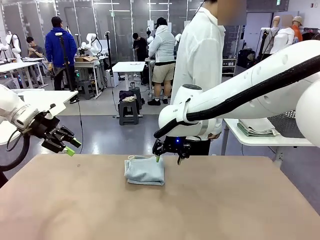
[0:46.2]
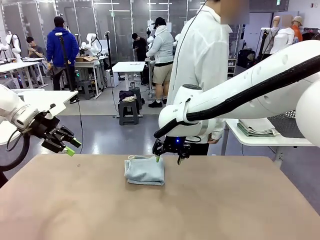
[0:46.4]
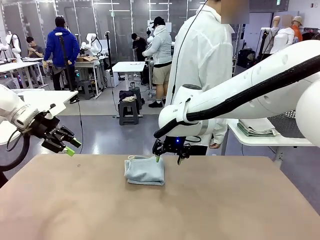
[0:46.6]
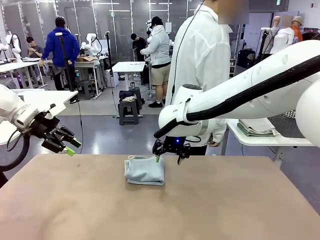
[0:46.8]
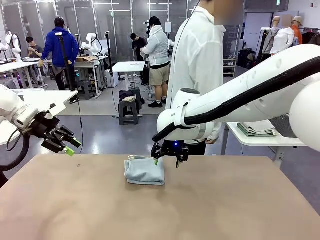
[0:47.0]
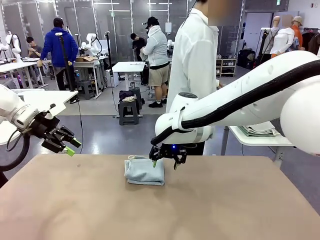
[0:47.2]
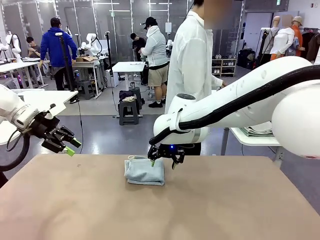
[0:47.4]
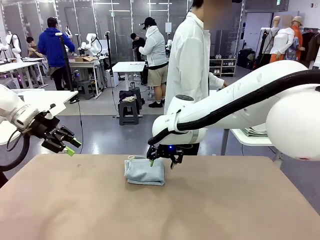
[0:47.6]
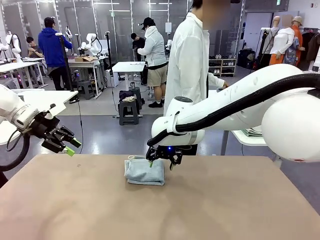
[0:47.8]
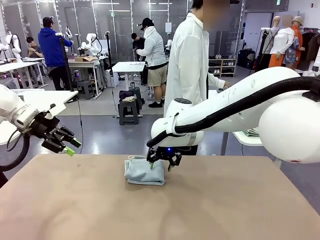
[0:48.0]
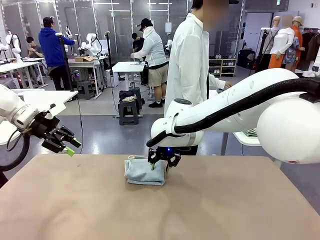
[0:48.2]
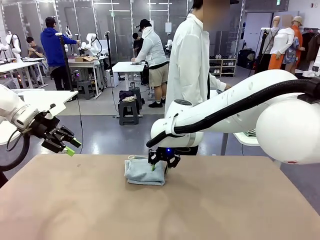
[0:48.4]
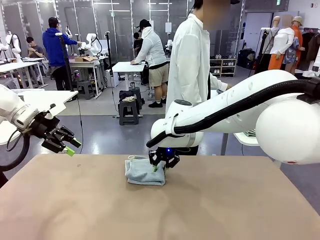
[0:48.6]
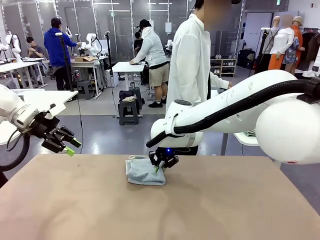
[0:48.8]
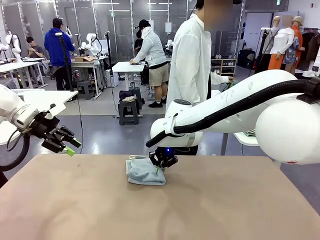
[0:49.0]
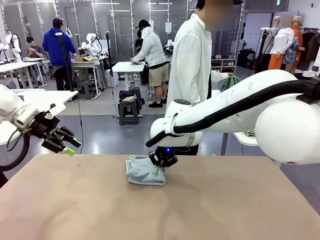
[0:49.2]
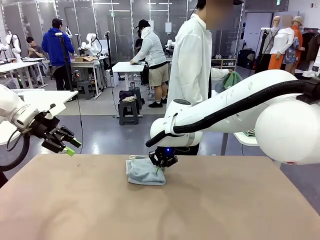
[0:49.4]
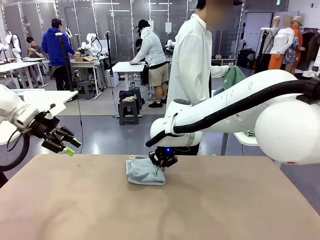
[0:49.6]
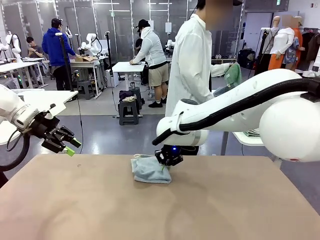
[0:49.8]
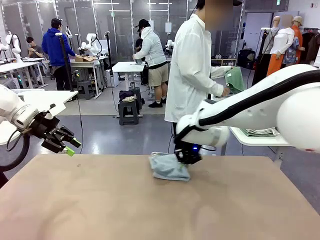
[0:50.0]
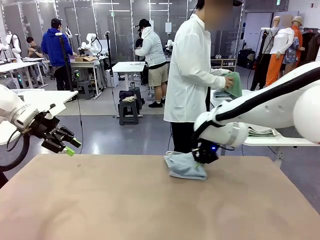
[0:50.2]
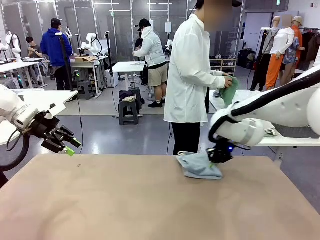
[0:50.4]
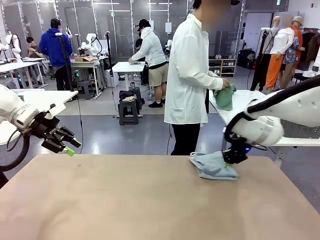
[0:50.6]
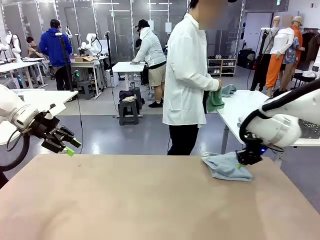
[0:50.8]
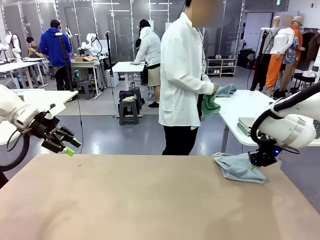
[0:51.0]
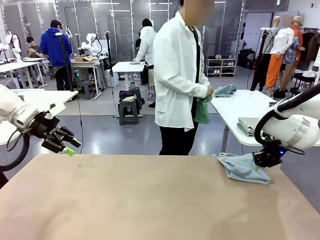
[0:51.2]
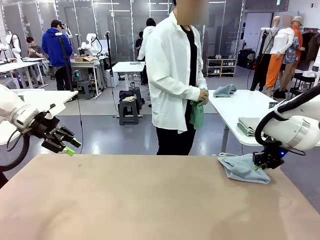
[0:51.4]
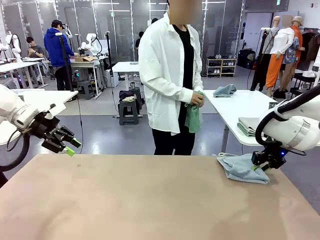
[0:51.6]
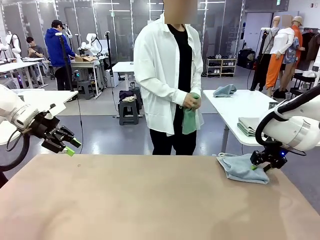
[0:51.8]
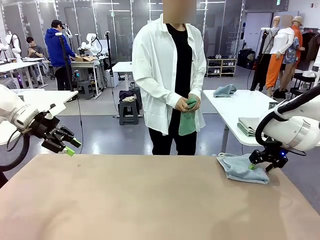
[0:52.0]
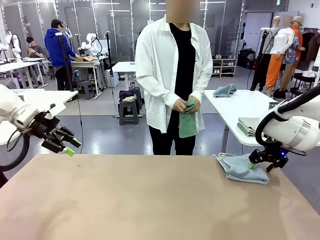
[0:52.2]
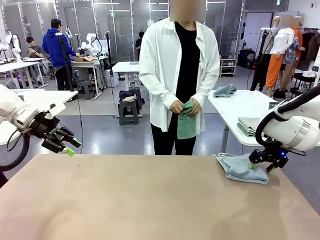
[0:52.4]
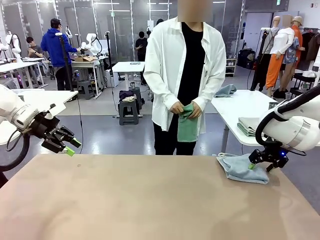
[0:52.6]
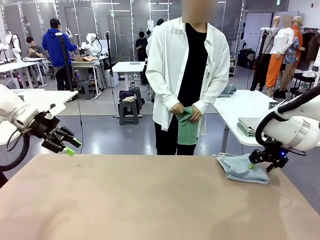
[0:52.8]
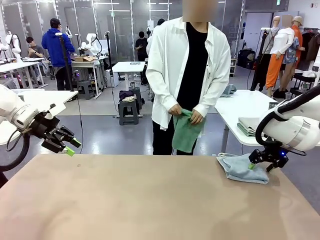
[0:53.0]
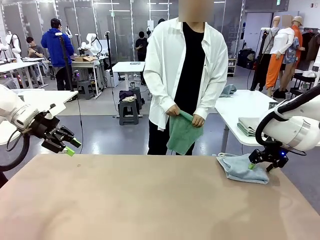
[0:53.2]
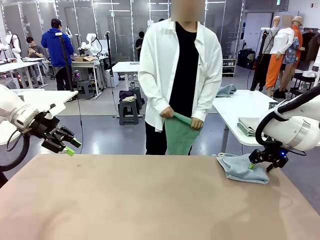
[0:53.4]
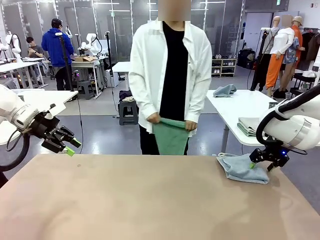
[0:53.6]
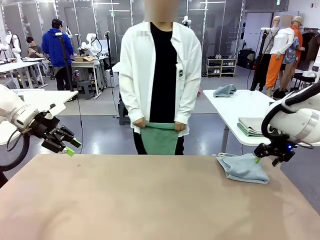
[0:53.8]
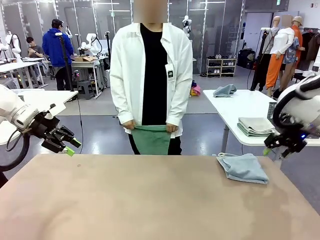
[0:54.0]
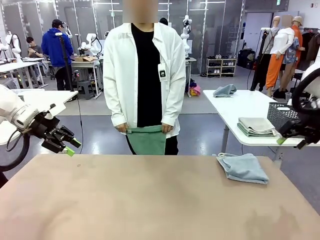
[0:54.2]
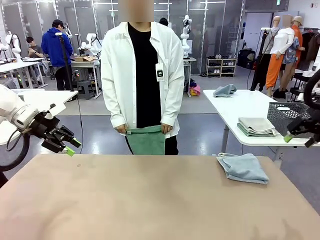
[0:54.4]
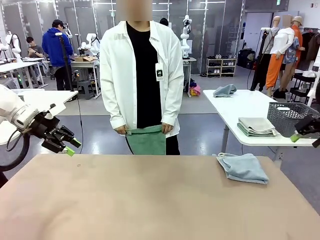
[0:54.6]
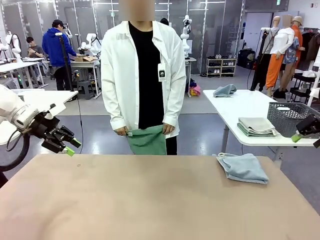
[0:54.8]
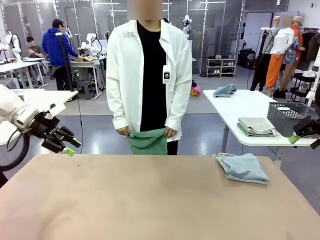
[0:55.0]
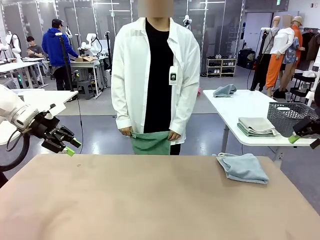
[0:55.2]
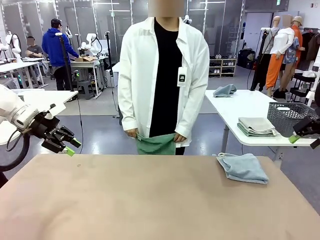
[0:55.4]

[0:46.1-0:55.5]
Task: Fold the towels and place them in the basket.
Robot: Place the folded Towel with hook on the right side of the table.
Person: Pick up one towel from the left side of the human table and spread it out at the center of the robot table.

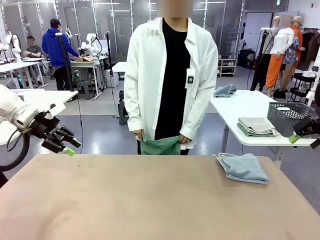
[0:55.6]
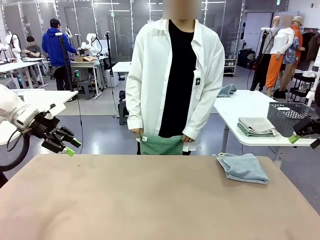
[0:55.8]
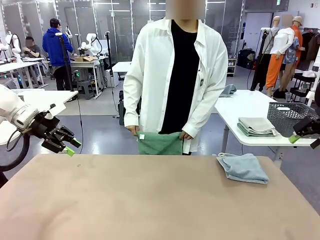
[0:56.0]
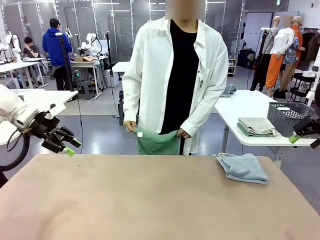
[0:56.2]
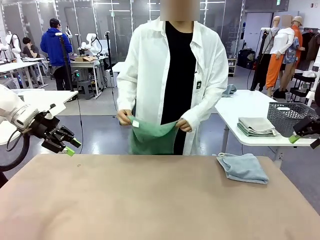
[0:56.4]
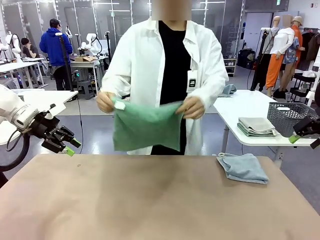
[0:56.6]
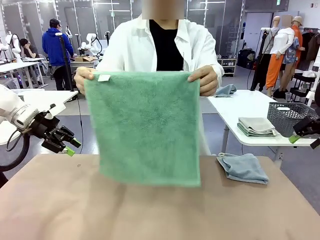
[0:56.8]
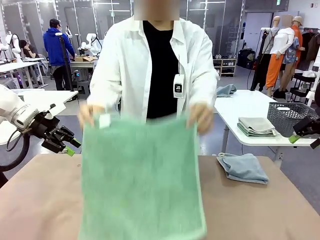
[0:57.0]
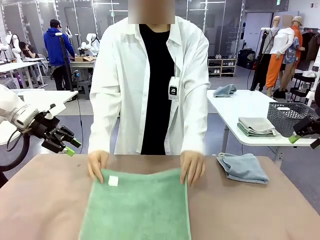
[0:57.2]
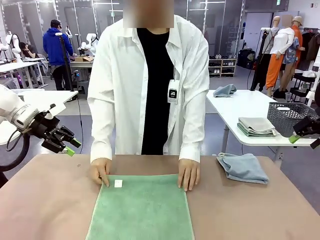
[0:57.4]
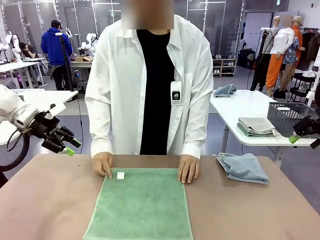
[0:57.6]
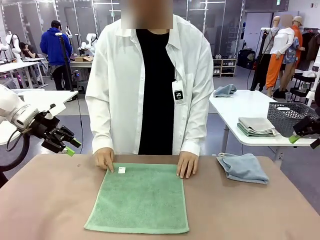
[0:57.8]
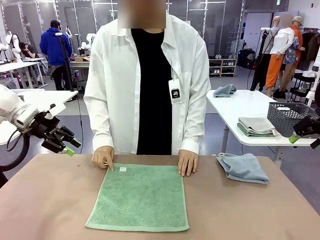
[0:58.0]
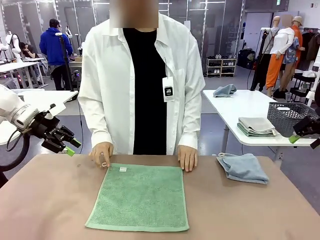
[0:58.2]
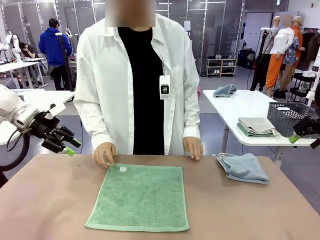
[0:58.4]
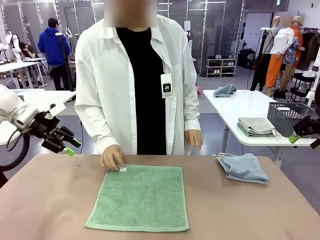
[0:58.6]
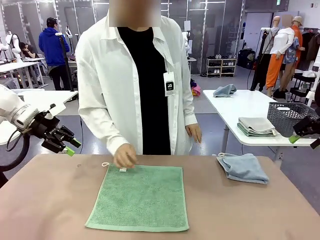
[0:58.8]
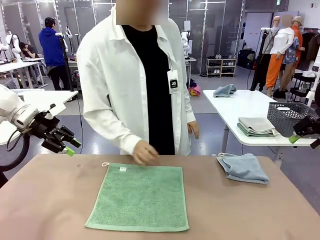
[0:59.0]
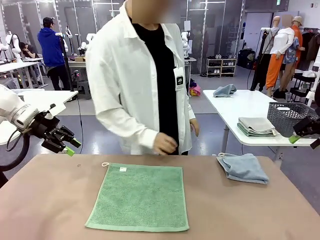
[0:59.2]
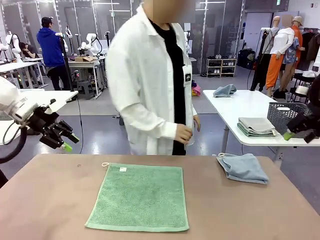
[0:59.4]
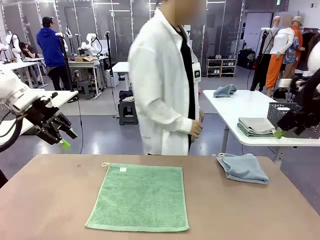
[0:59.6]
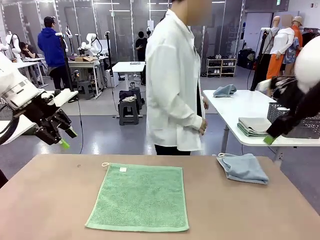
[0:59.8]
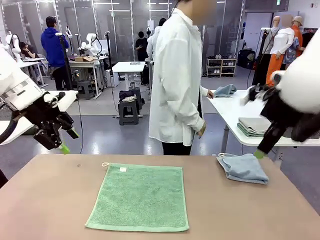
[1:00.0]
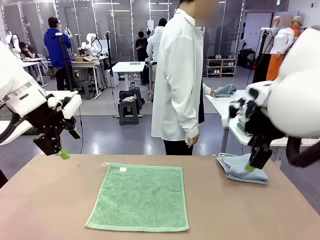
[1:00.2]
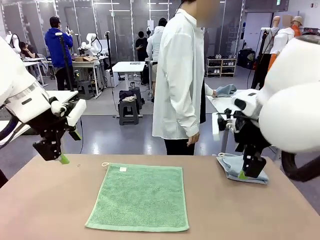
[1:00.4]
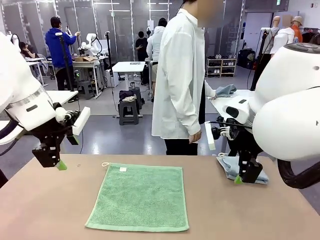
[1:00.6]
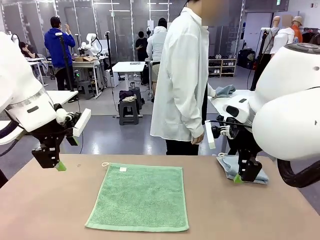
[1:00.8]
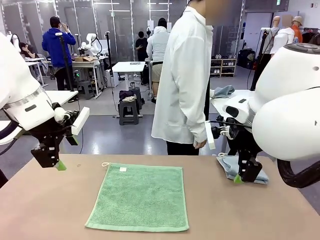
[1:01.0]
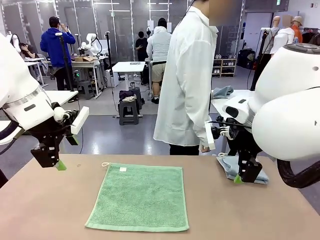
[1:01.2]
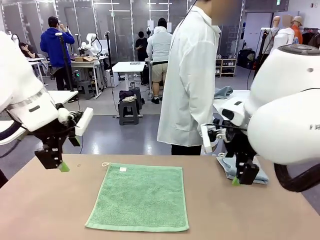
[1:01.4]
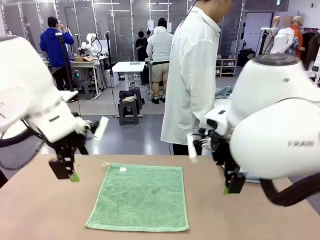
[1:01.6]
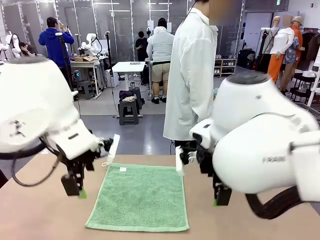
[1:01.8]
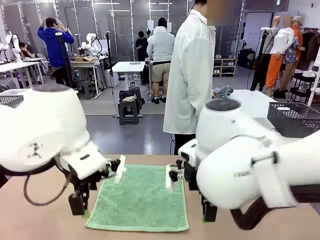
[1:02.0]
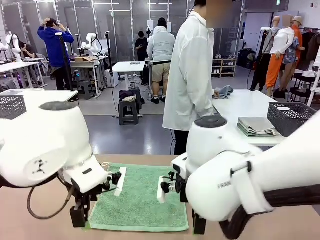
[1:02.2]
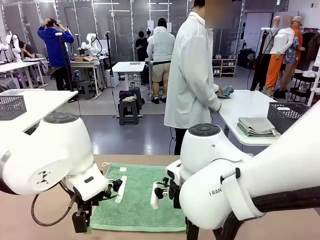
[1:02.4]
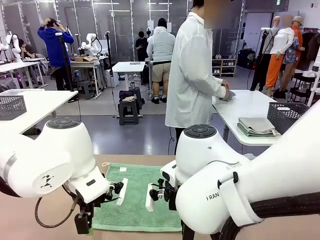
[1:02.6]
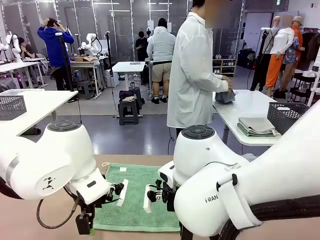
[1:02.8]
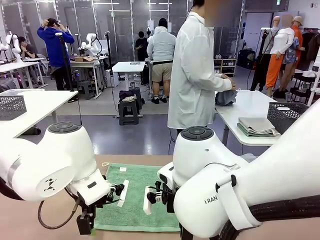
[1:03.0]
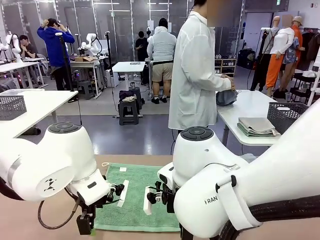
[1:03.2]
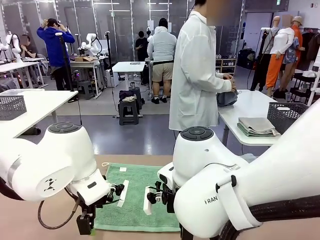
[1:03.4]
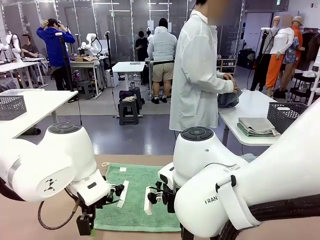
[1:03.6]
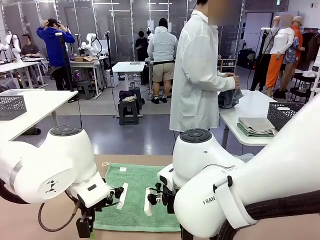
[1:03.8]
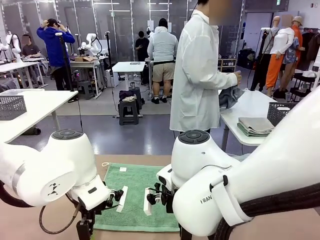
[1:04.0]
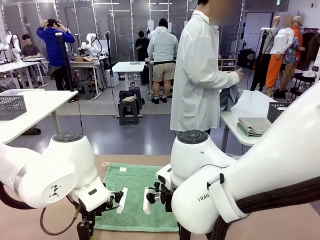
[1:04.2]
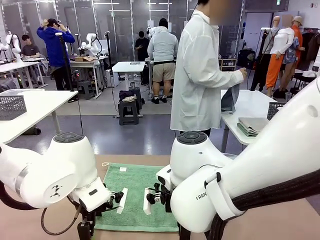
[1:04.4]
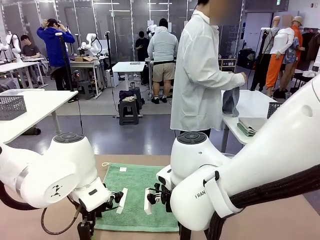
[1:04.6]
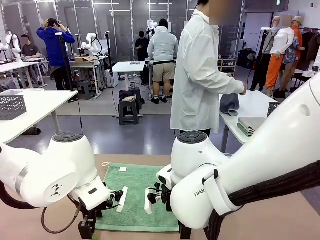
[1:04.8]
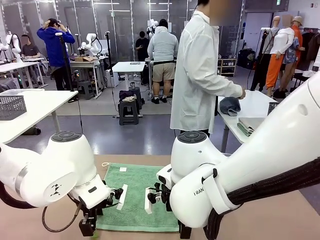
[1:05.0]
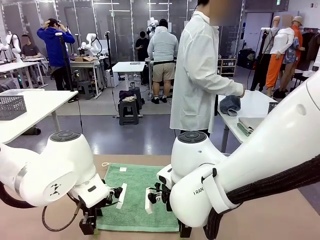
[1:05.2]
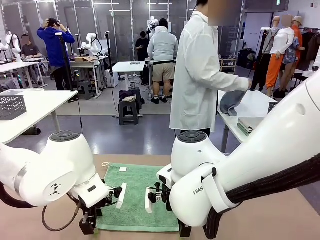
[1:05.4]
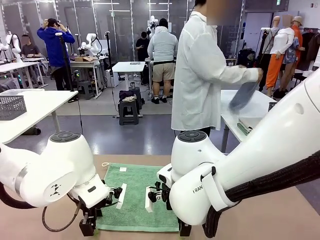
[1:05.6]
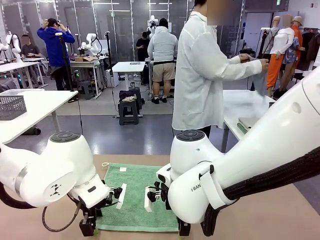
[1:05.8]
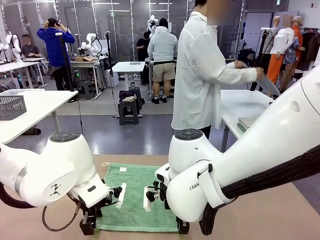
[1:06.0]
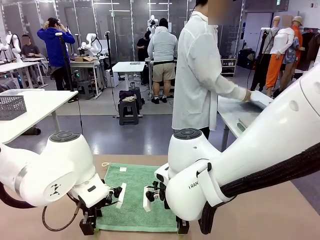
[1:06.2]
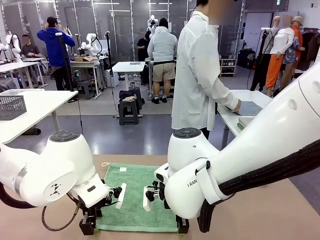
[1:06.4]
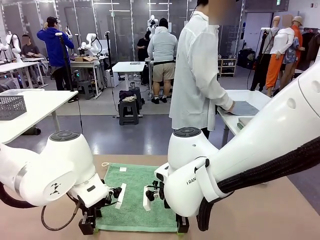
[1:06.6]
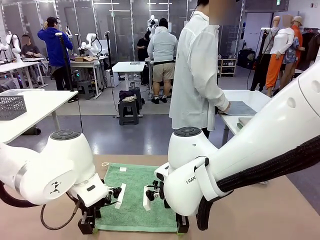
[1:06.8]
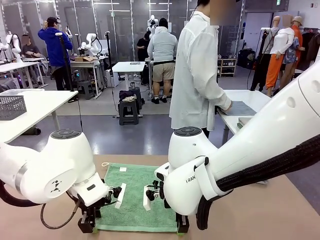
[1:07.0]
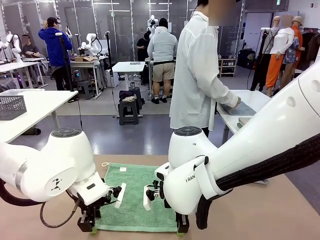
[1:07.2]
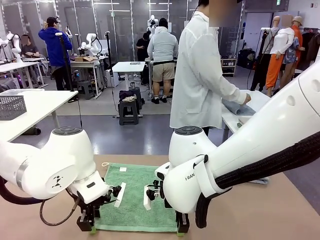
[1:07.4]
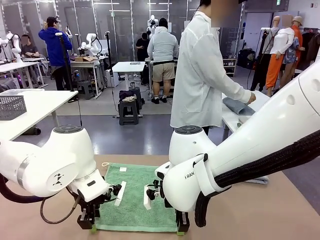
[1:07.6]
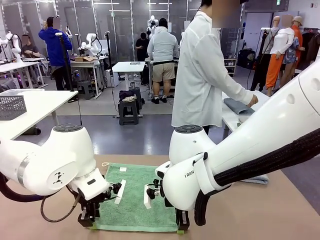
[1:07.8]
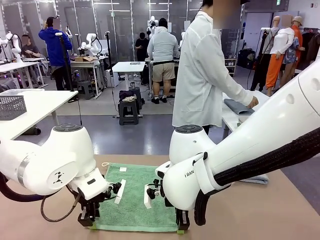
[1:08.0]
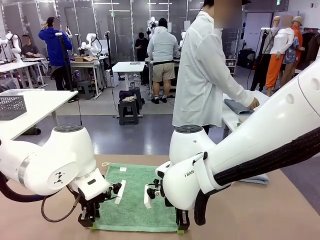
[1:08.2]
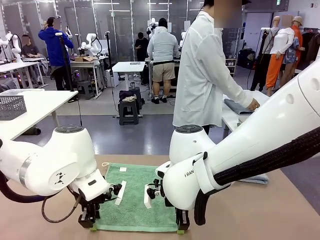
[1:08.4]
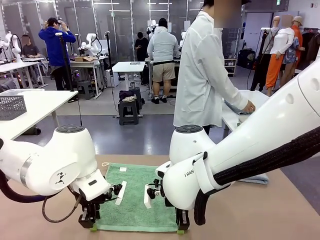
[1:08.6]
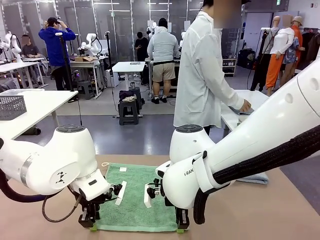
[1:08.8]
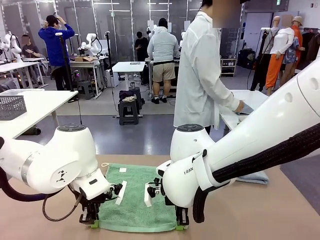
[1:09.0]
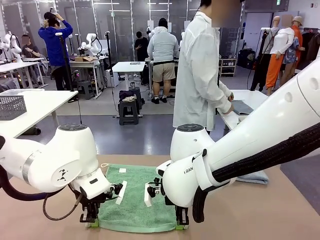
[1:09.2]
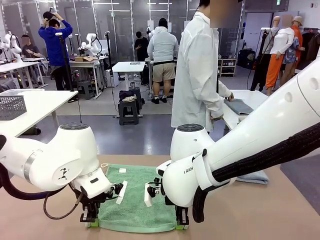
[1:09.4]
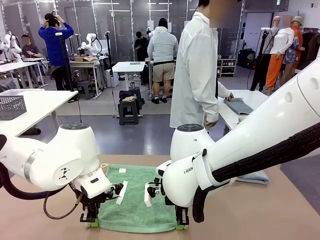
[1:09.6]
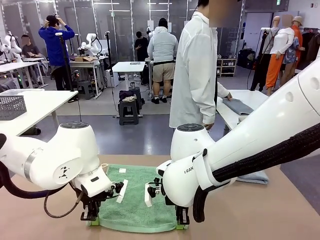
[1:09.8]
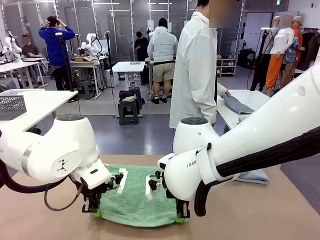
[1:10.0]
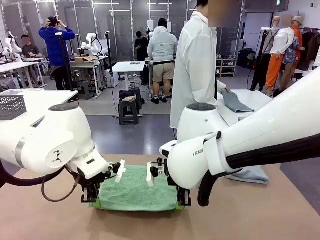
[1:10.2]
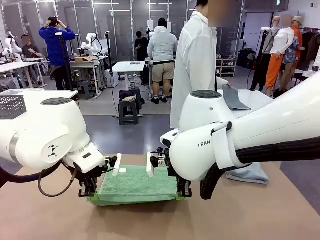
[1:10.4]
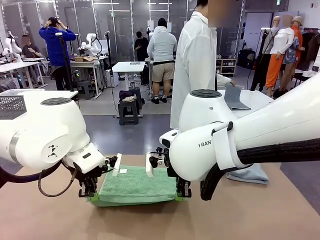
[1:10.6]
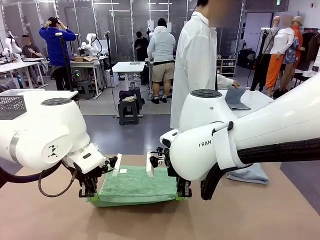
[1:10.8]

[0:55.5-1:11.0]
Robot: When a person lays out a Towel with hook on the table, fold it in half twice.
Person: Pick up one towel from the left side of the human table, fold it in half twice, and stack it on the right side of the table.
